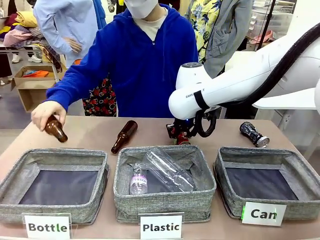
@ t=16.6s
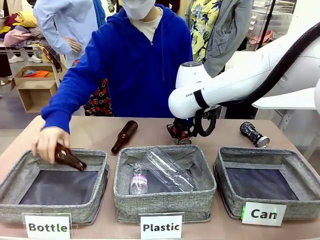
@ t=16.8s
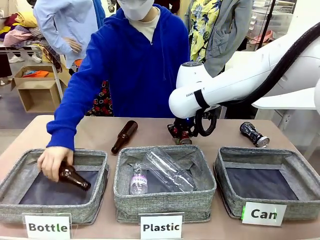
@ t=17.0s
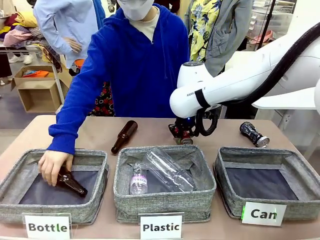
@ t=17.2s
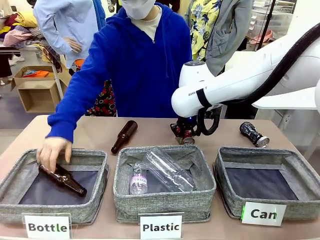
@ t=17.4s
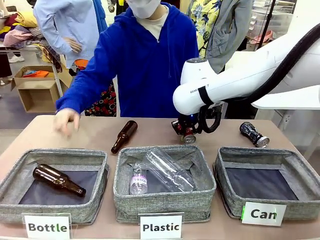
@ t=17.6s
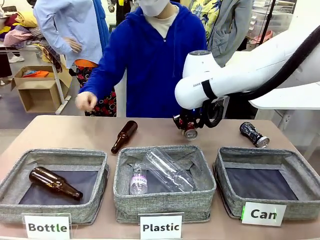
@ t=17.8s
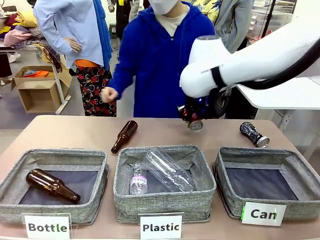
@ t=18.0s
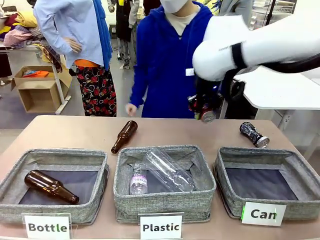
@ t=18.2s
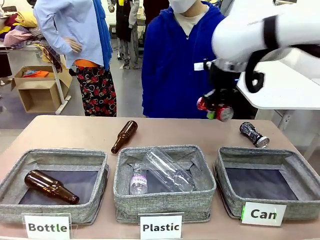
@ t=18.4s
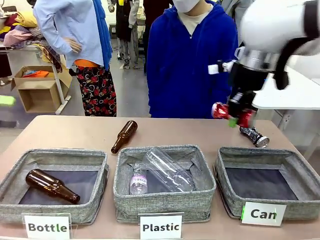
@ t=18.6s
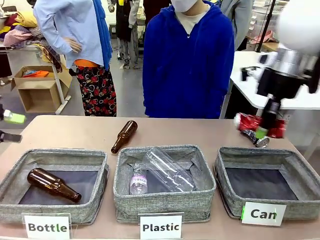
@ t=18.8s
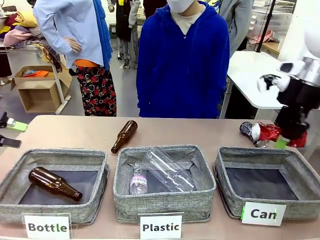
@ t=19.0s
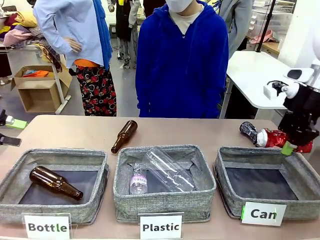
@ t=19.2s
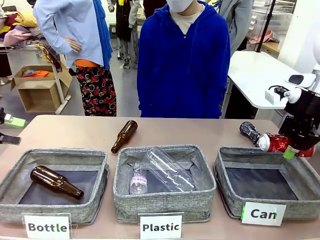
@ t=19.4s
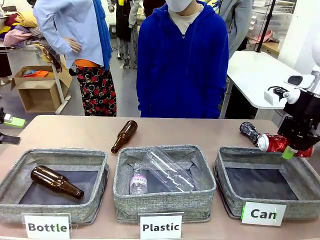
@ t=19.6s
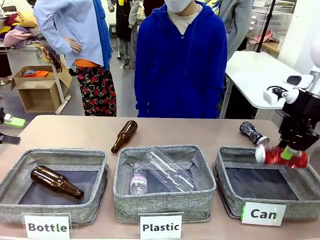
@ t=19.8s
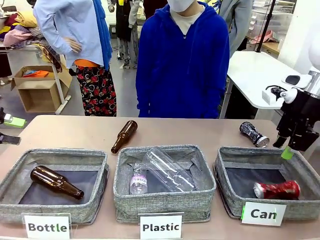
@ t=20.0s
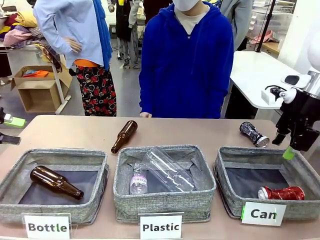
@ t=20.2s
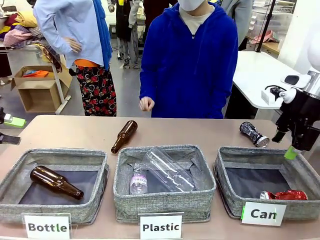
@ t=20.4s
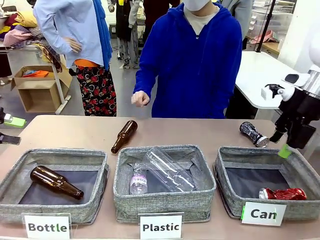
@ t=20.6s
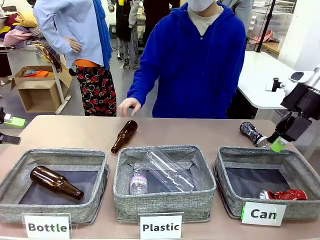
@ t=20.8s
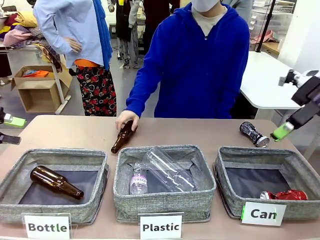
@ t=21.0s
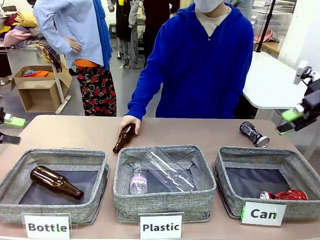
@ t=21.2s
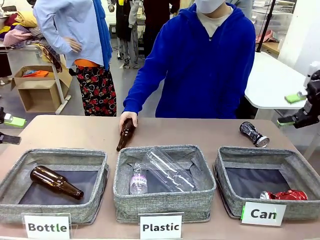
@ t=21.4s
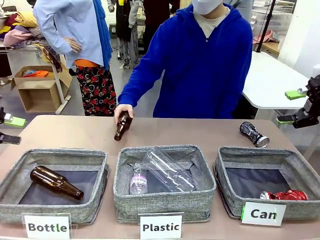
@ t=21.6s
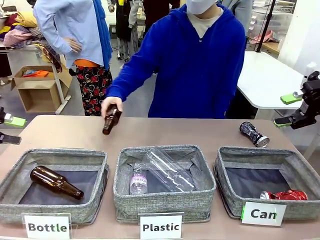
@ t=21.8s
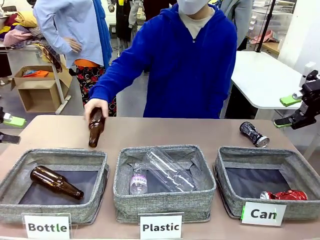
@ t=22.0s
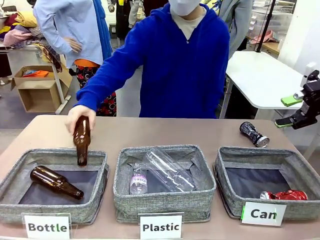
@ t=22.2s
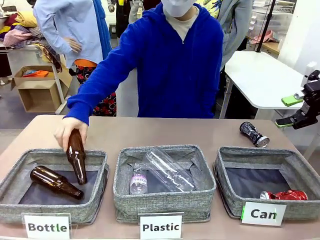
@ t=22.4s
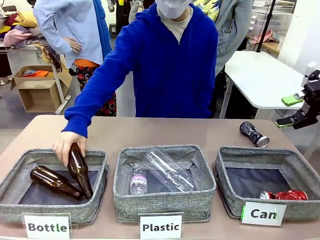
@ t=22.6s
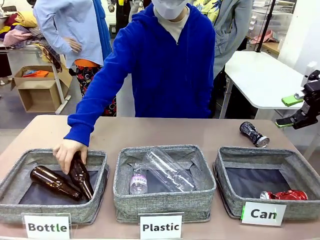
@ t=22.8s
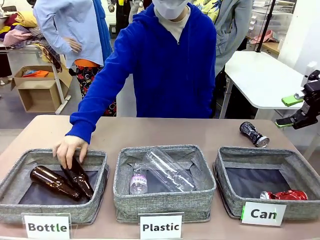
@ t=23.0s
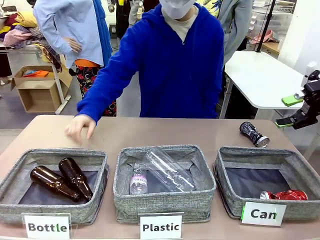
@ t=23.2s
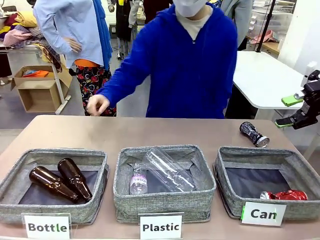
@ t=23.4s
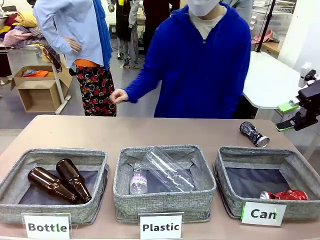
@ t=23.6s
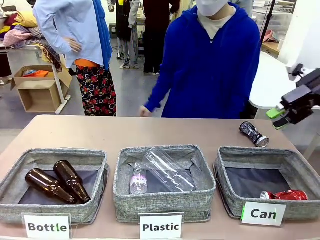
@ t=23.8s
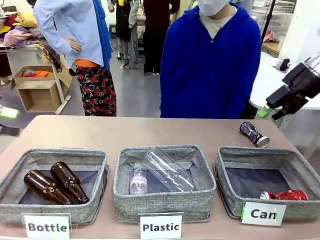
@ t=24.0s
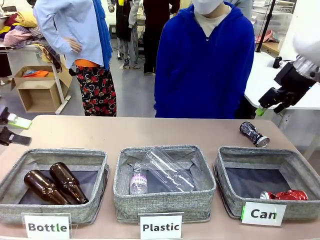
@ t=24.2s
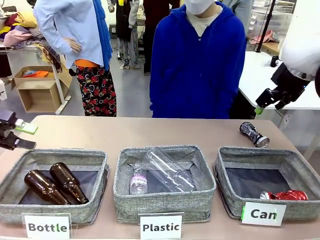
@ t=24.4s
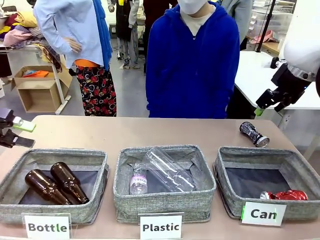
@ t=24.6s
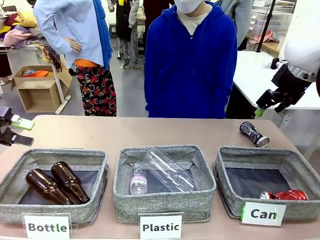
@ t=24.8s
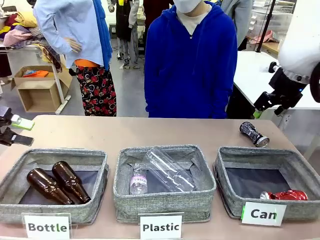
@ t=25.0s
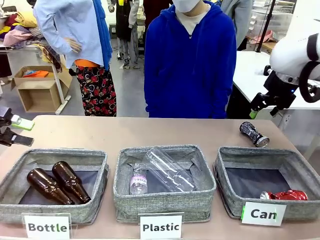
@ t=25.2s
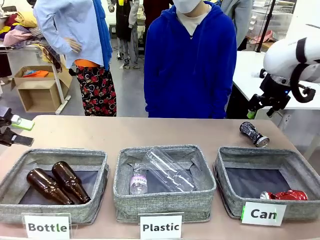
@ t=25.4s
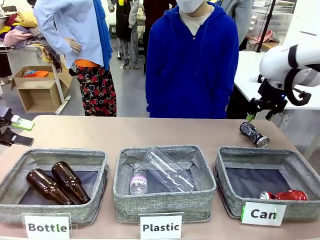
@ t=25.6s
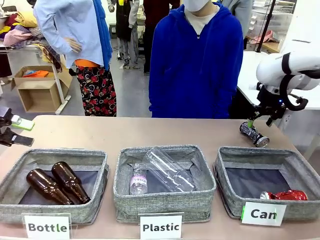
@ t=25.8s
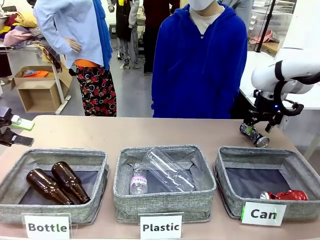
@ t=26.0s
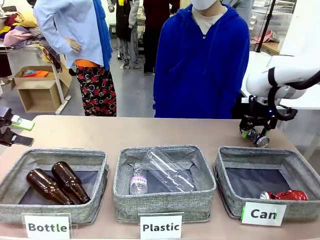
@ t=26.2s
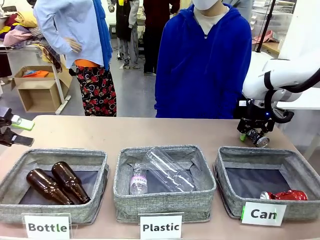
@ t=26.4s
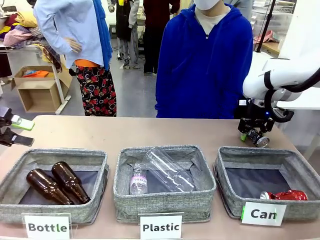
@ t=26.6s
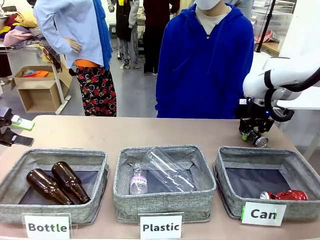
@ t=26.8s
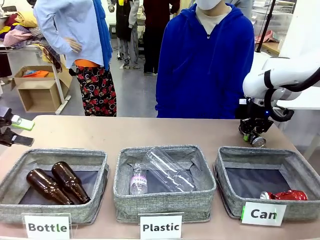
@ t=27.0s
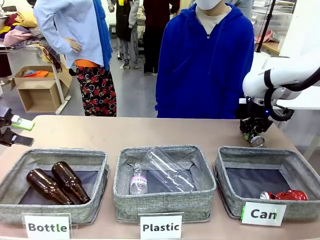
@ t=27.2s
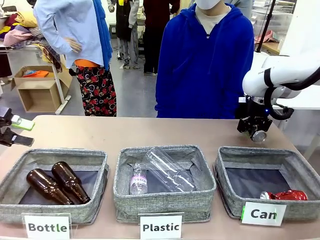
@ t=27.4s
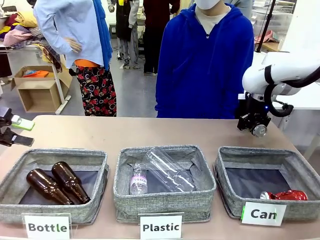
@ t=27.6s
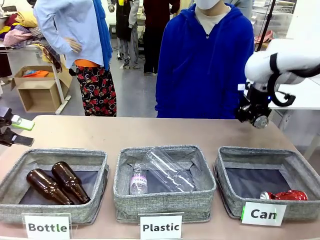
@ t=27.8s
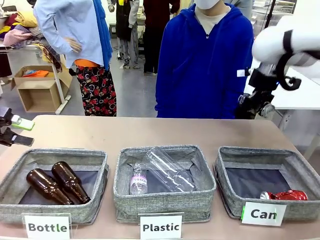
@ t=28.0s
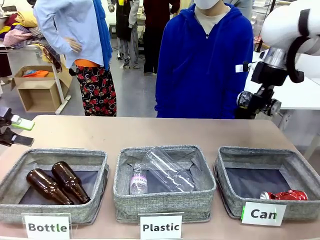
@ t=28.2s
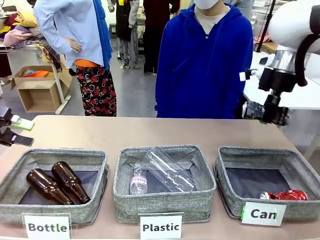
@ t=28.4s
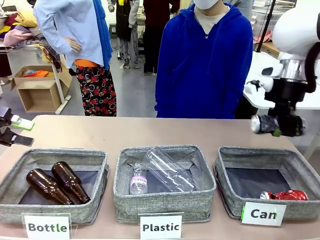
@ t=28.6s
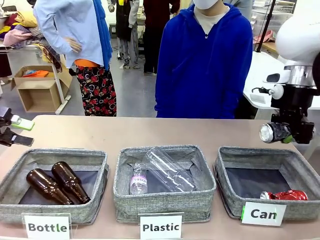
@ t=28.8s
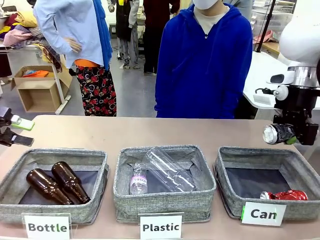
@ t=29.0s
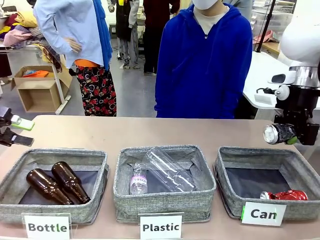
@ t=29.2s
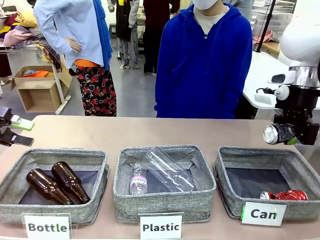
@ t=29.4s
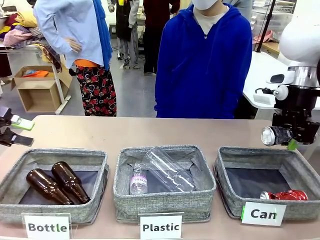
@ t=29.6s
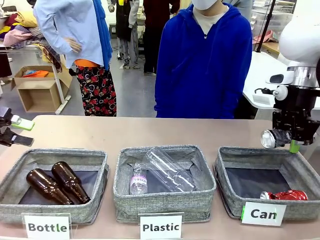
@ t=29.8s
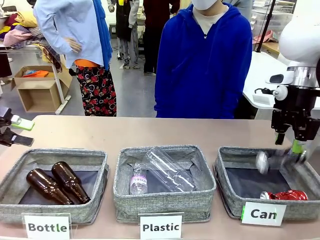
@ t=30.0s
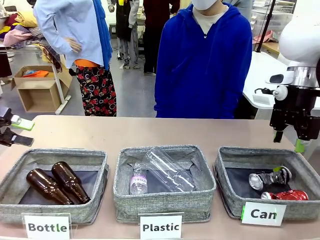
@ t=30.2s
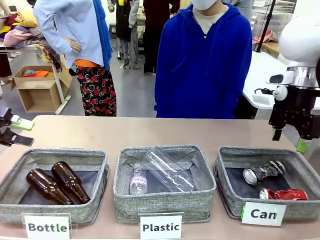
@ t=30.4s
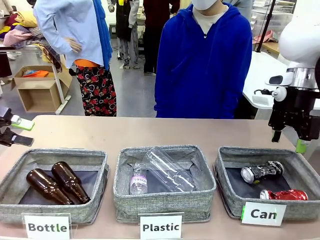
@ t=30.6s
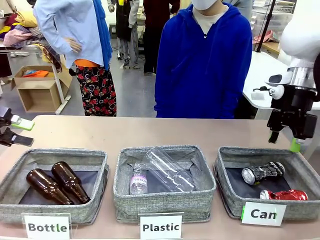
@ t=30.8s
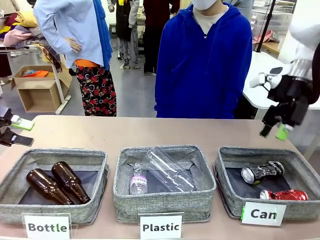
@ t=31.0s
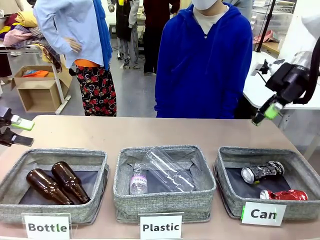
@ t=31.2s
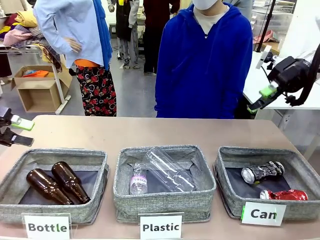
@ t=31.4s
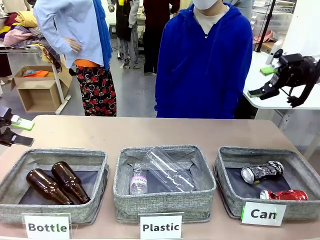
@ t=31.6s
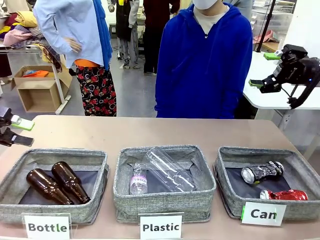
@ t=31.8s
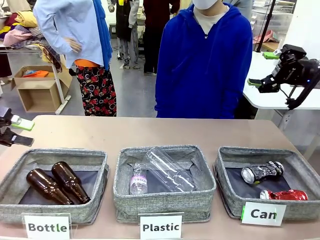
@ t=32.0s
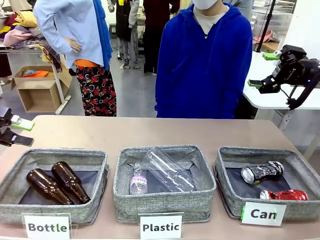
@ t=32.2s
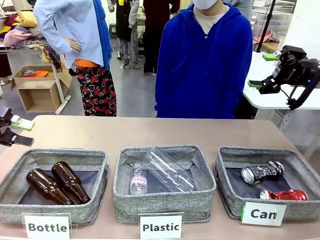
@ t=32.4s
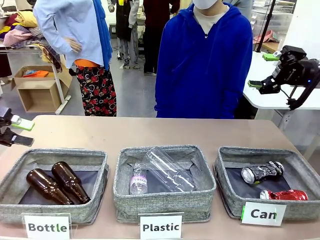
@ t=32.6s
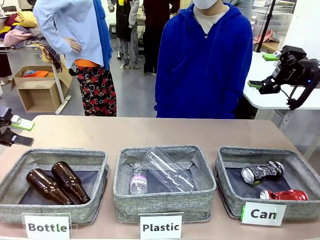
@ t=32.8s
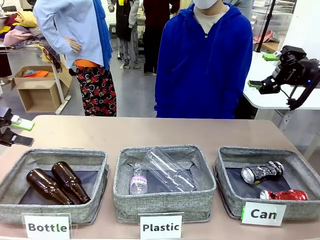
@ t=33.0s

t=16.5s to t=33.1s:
Task: Sort the can waste into the basket.
Robot: Pick up the can waste from the table and place it in the right Fabric basket.
Person: The human picks up one piece of trash that is not a can and places the trash into the appropriate organizing basket.
